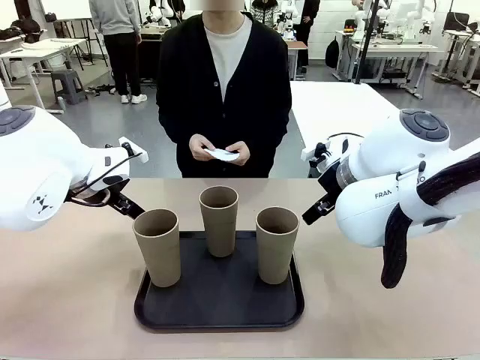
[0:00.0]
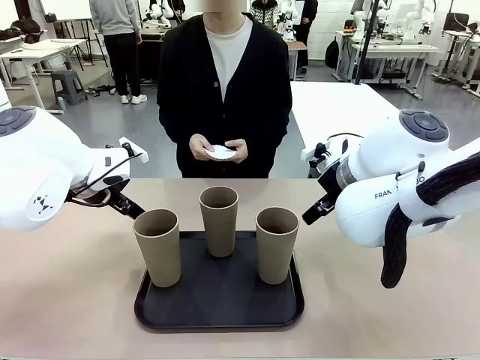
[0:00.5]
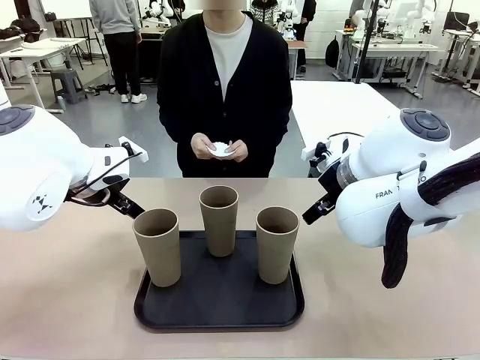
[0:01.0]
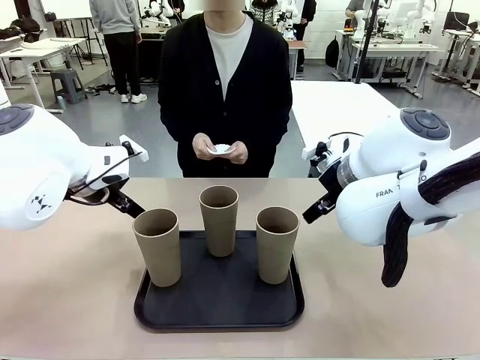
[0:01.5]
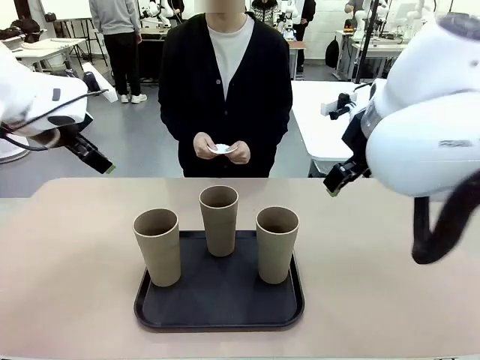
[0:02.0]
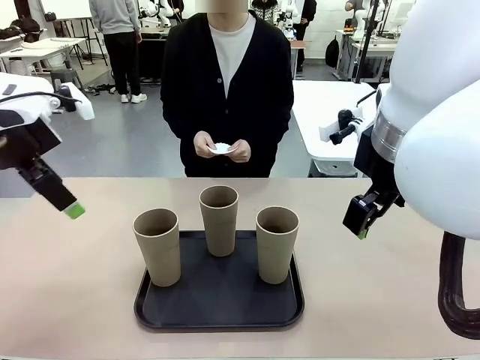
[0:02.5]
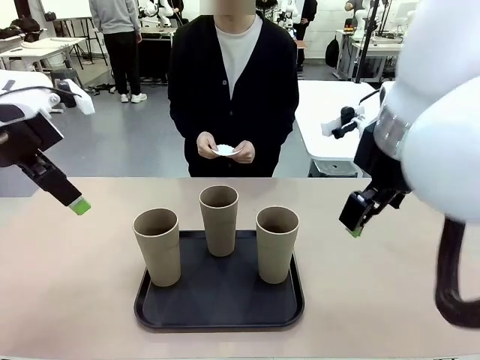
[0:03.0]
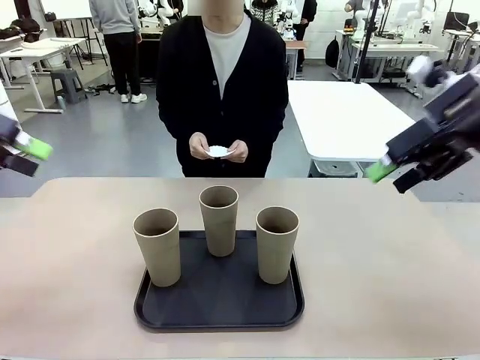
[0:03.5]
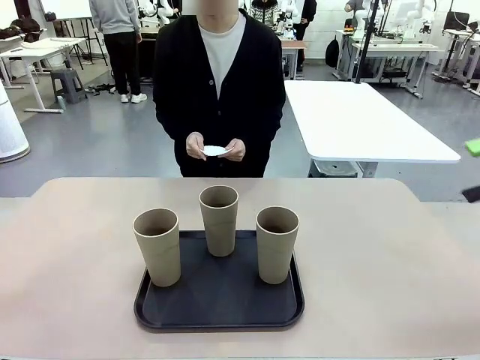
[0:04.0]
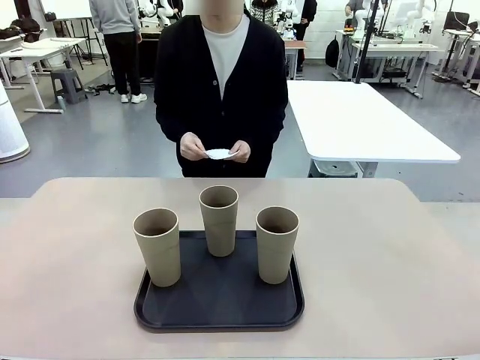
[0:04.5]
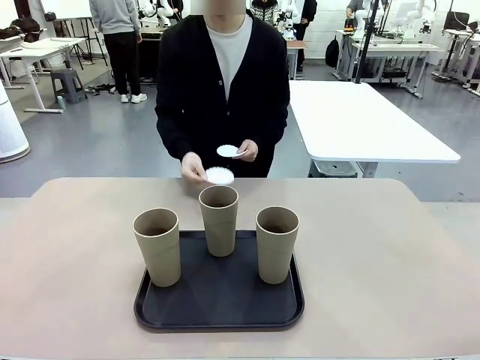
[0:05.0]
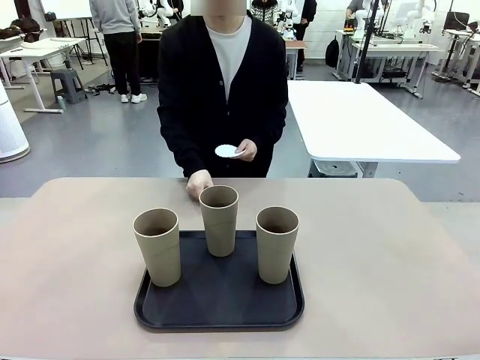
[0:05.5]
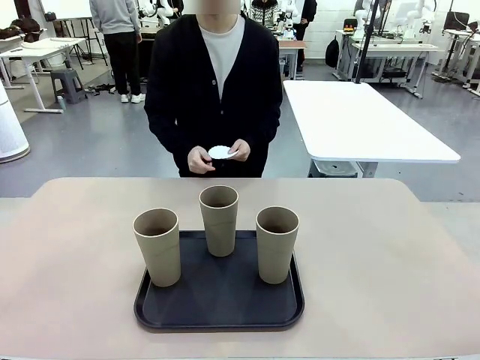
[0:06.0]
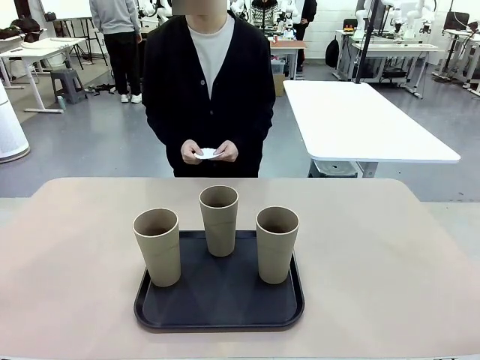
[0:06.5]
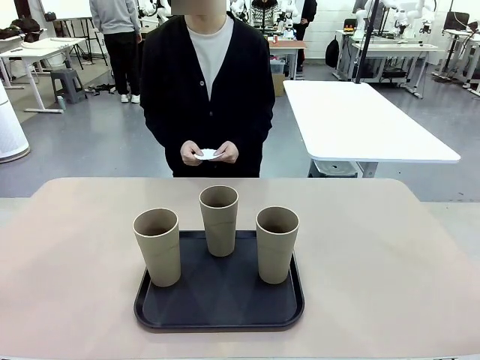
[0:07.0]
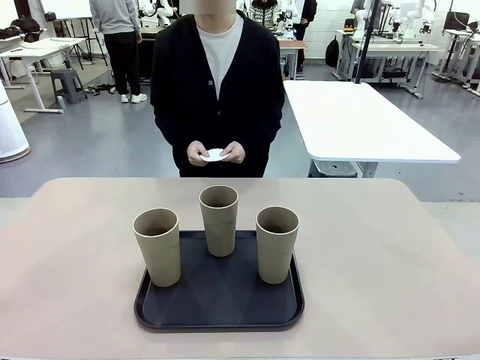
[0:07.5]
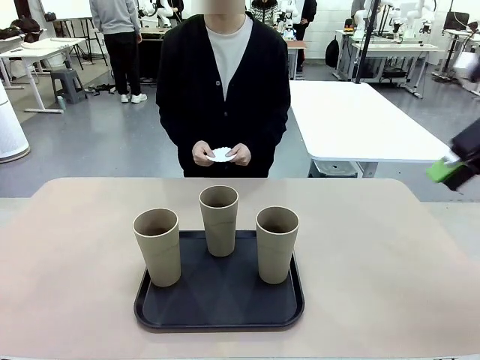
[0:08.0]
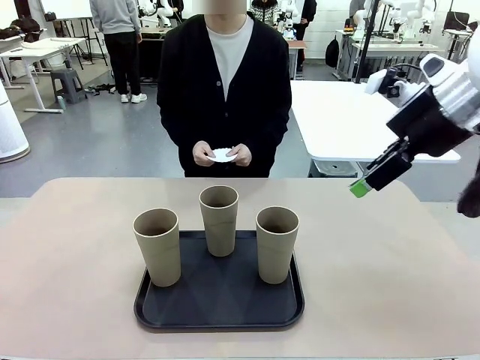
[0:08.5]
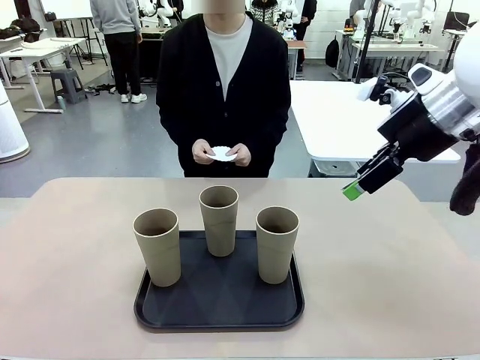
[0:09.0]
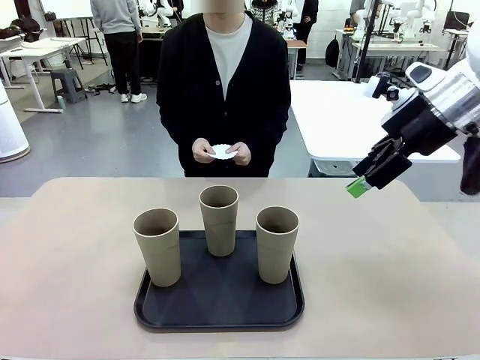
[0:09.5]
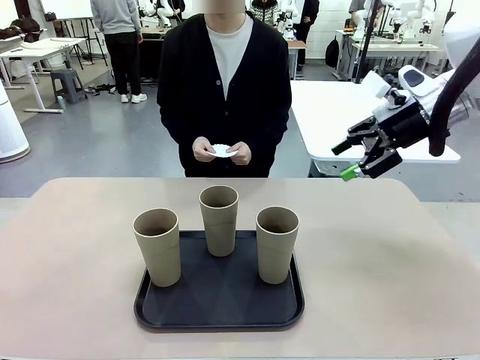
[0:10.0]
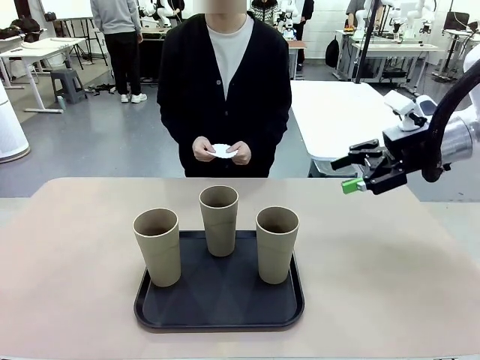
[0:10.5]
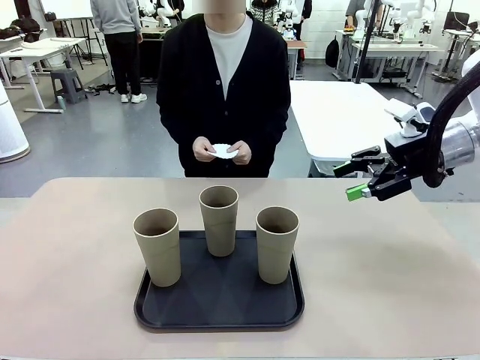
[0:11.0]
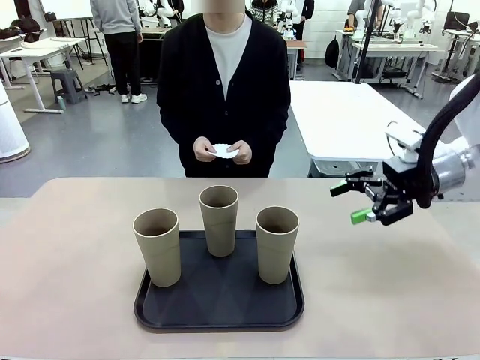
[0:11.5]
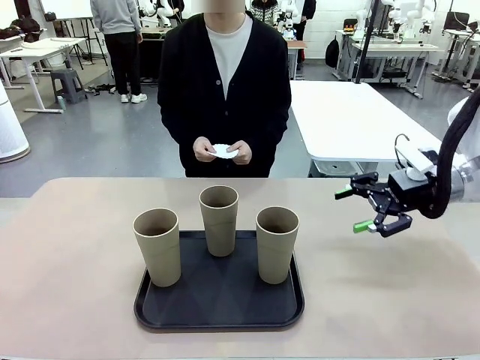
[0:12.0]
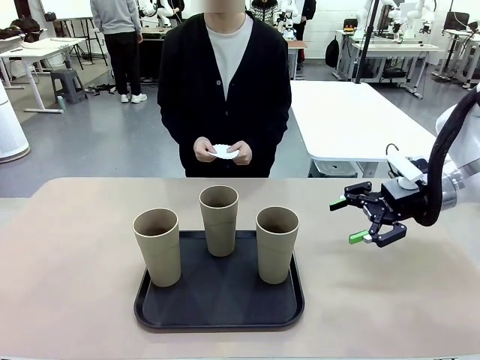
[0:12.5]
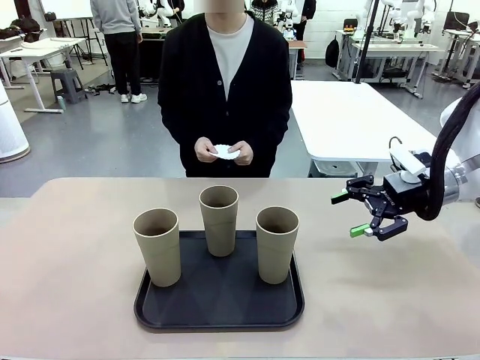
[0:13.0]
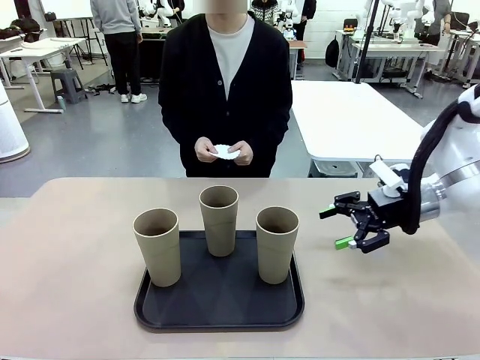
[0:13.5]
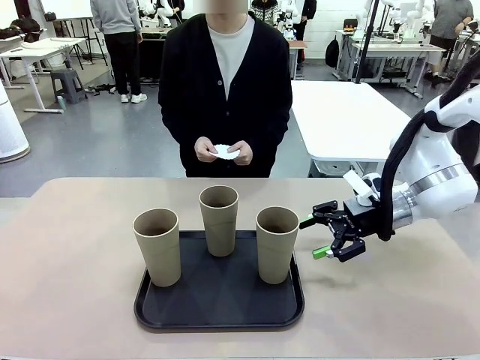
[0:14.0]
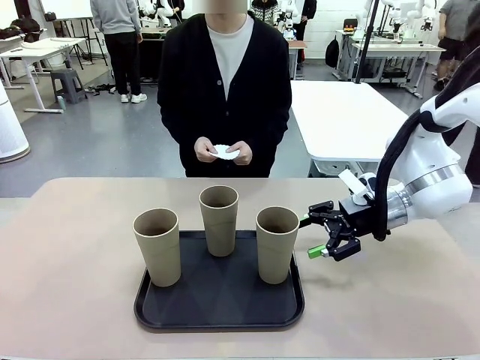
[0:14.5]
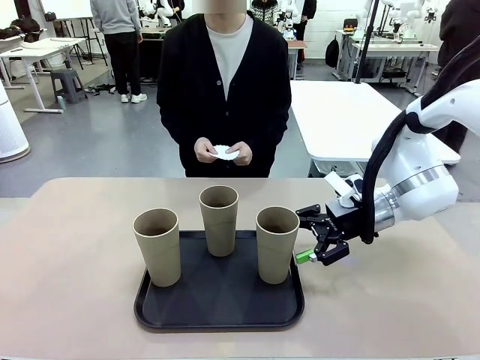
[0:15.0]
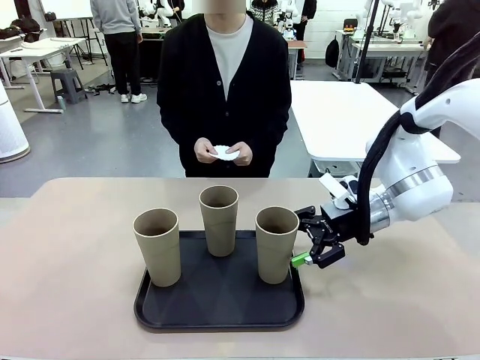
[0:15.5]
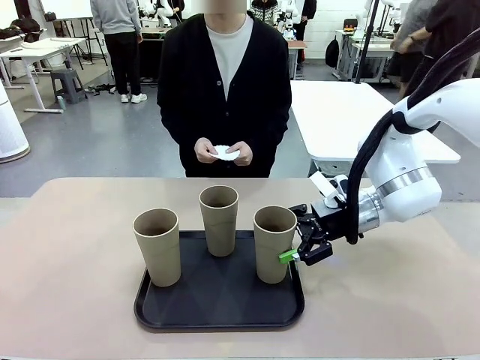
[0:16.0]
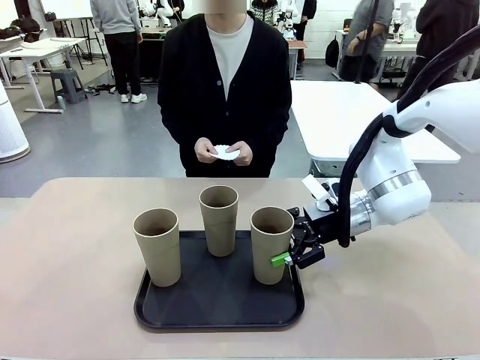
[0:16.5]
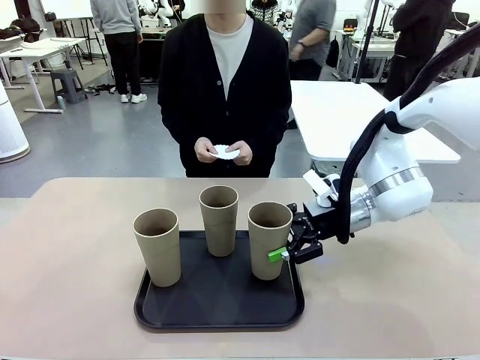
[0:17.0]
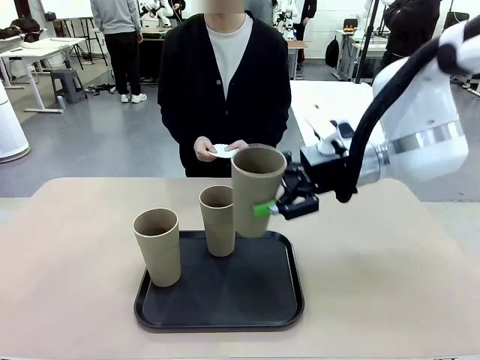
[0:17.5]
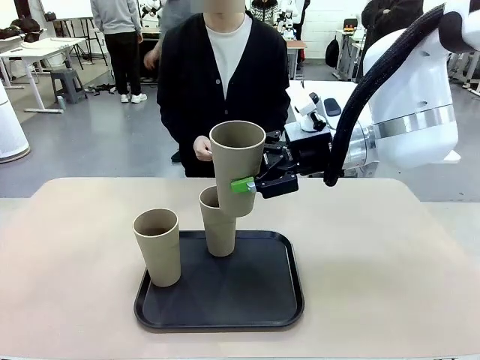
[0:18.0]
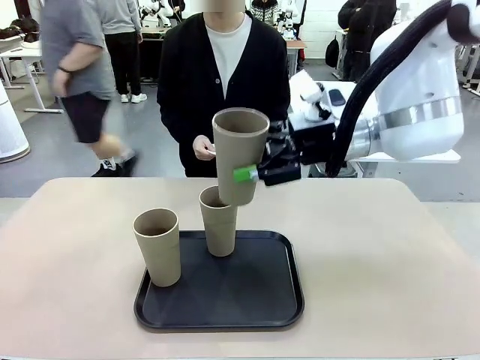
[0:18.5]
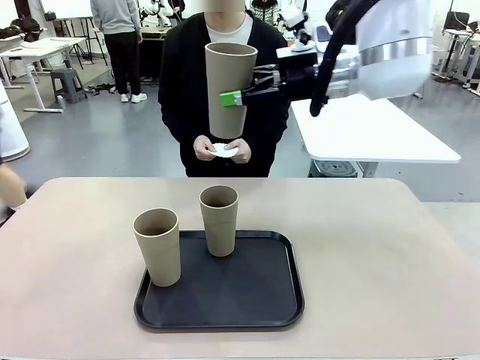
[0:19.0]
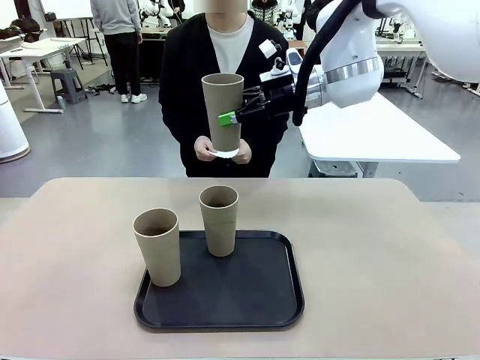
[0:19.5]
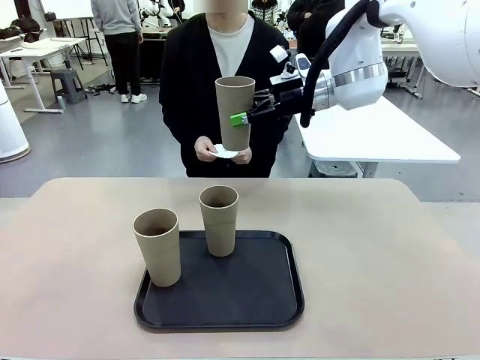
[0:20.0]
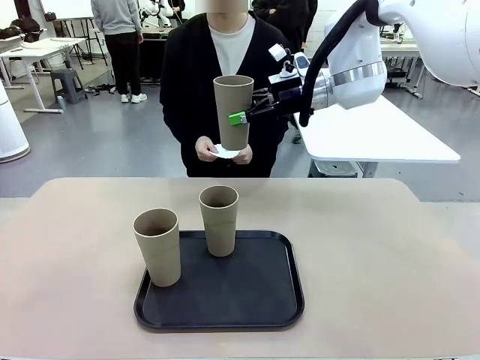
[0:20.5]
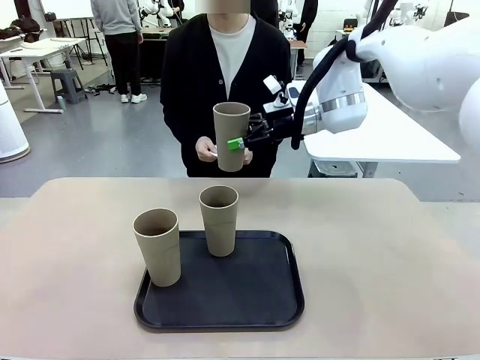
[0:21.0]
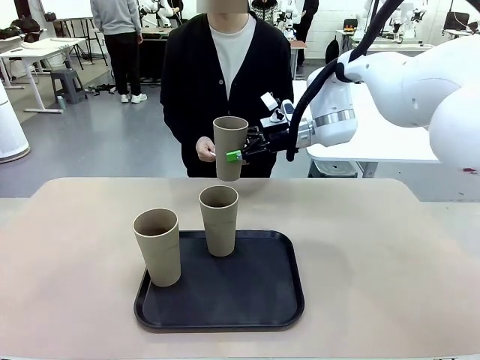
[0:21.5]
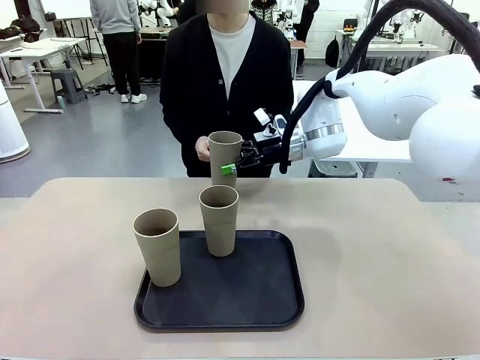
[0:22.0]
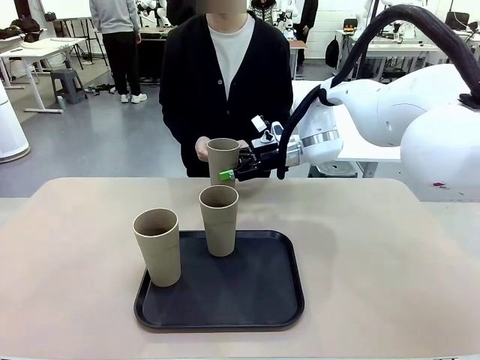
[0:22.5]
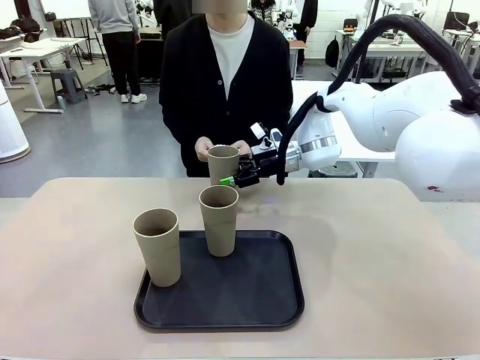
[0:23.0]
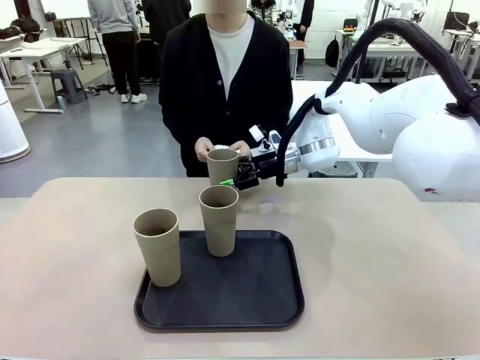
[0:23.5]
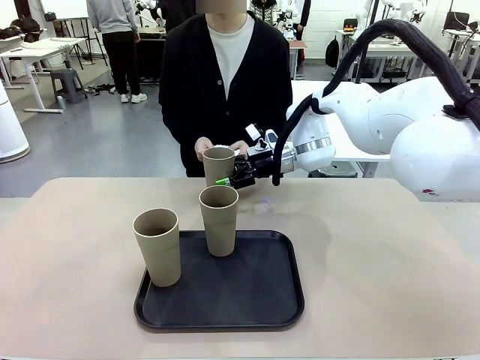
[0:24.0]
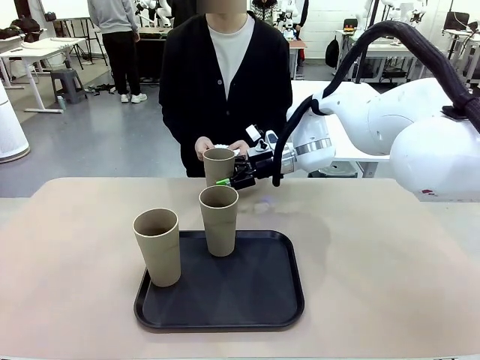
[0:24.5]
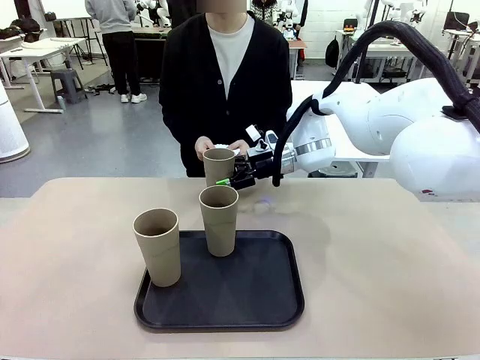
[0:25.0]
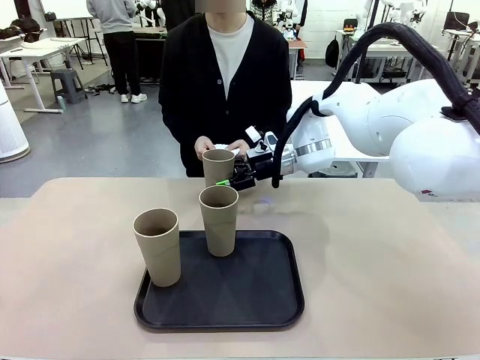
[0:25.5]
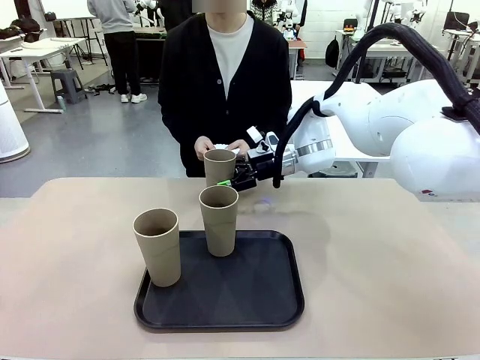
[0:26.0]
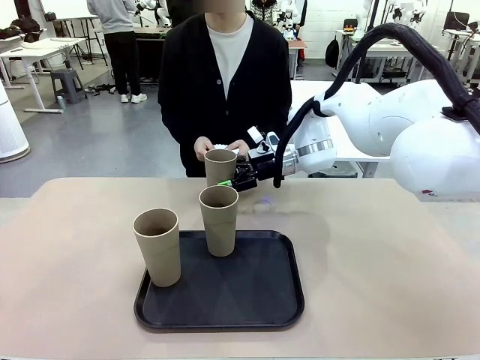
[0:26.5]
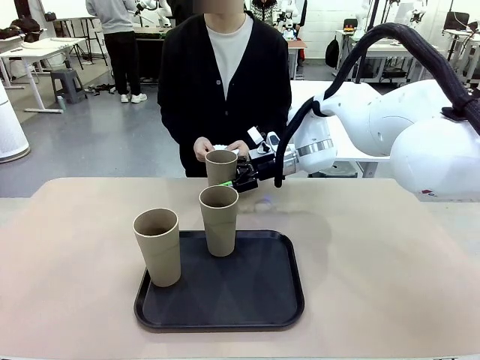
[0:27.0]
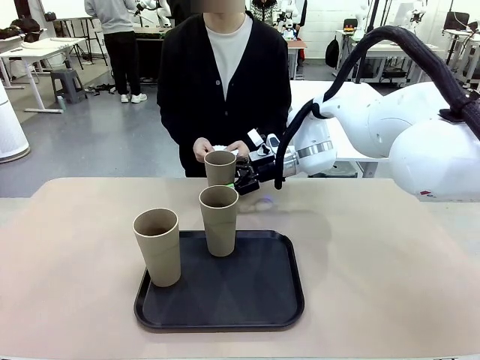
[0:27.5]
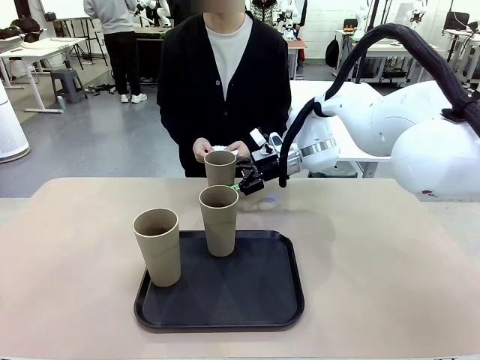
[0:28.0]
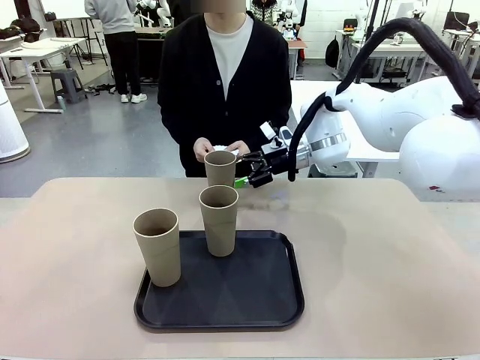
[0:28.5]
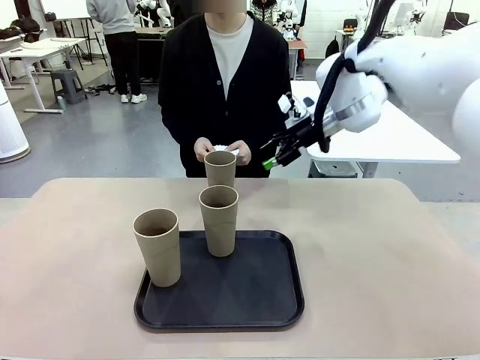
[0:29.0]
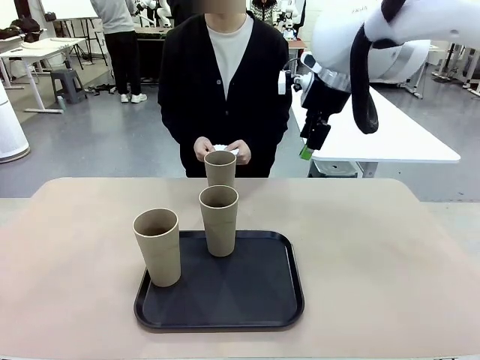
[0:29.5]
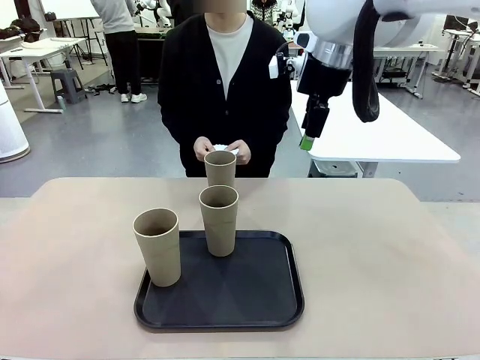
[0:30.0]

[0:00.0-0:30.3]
Task: Place coasters on the table and set cups on them.
Robot: Pick up one Reusable plastic cup and place it on a coaster set by the human.
Person: Place one coaster in any one of the three lower areas of the robot table (left, center, or right). Place one coaster in one of the two areas excluding the previously selected area.
